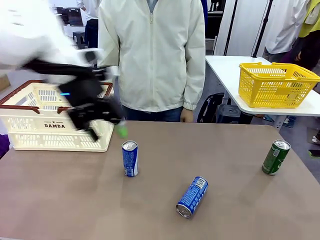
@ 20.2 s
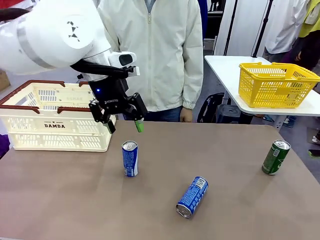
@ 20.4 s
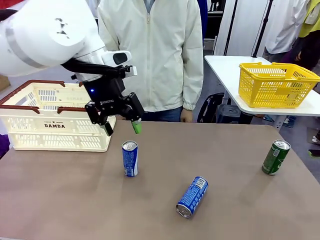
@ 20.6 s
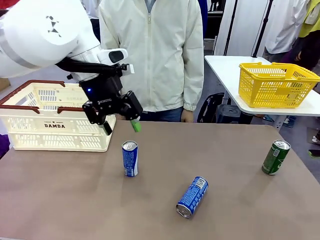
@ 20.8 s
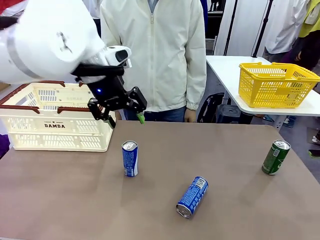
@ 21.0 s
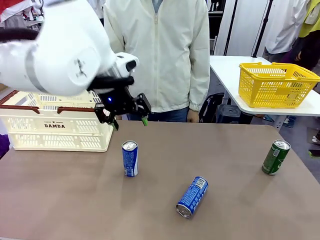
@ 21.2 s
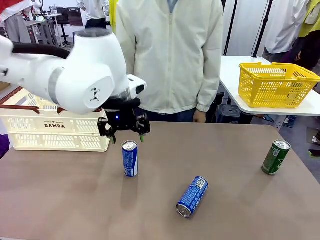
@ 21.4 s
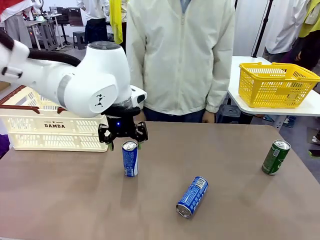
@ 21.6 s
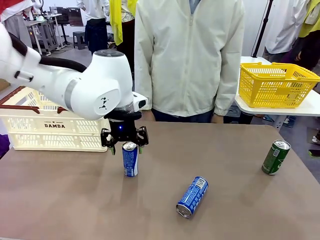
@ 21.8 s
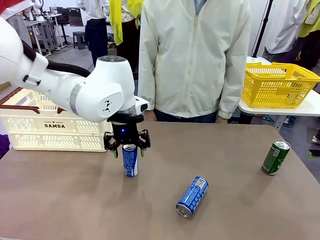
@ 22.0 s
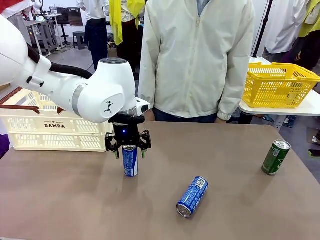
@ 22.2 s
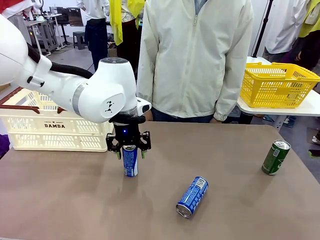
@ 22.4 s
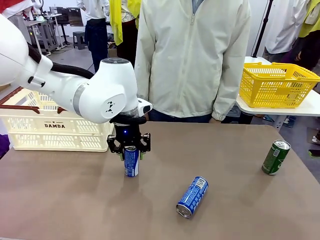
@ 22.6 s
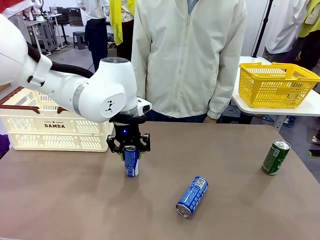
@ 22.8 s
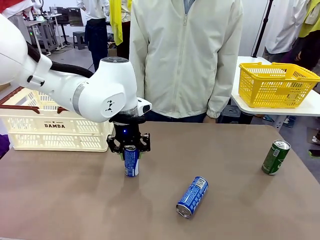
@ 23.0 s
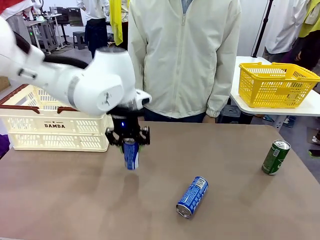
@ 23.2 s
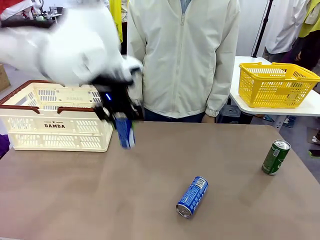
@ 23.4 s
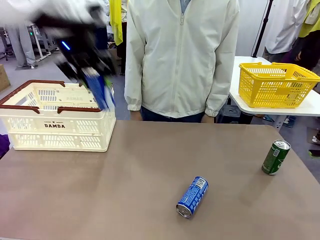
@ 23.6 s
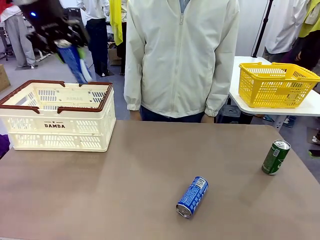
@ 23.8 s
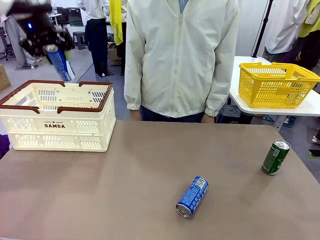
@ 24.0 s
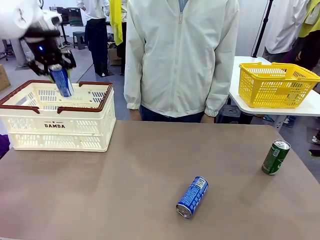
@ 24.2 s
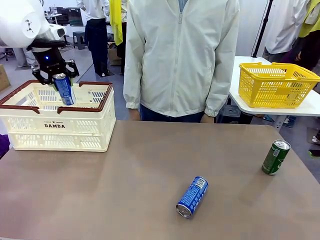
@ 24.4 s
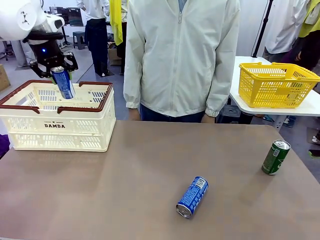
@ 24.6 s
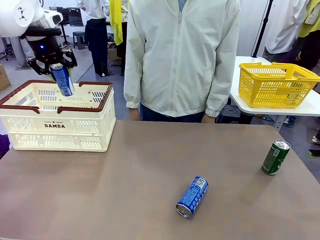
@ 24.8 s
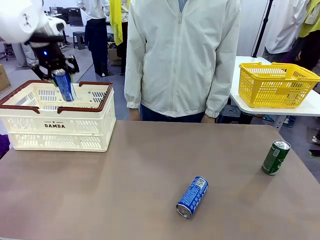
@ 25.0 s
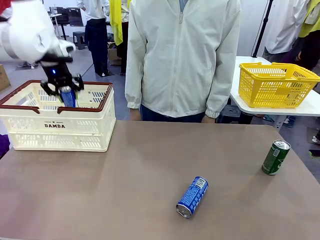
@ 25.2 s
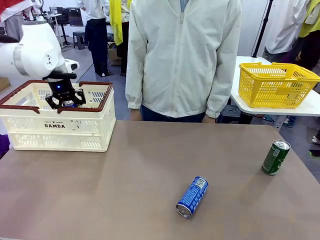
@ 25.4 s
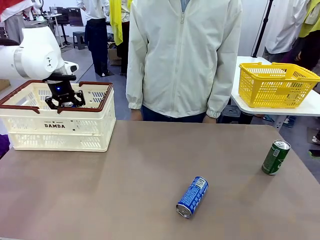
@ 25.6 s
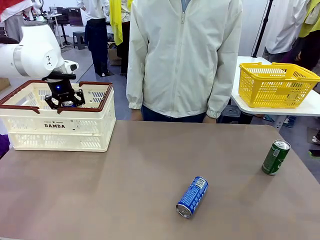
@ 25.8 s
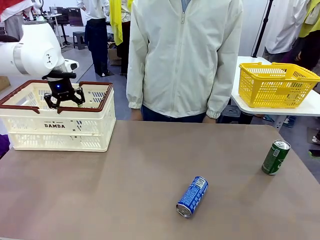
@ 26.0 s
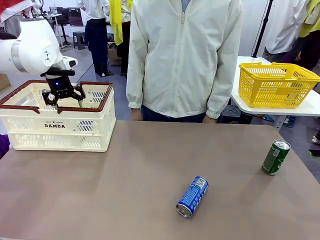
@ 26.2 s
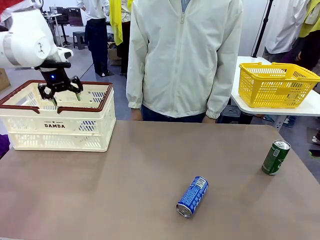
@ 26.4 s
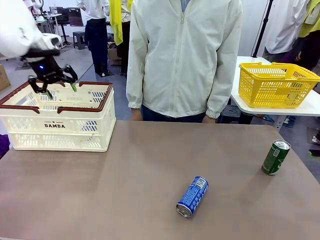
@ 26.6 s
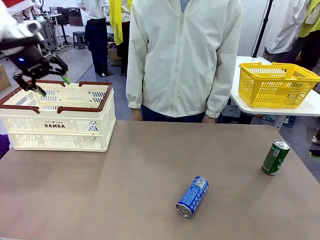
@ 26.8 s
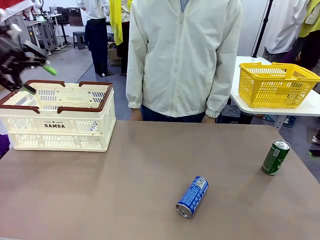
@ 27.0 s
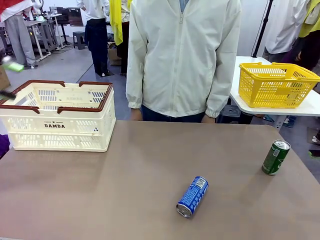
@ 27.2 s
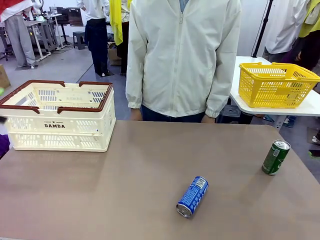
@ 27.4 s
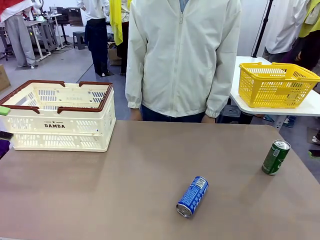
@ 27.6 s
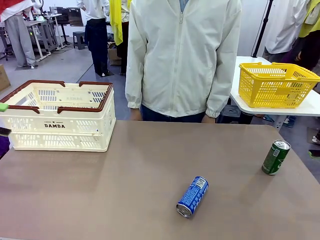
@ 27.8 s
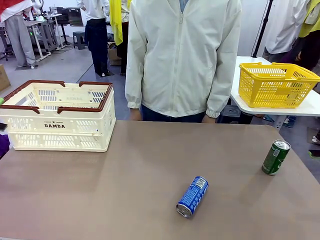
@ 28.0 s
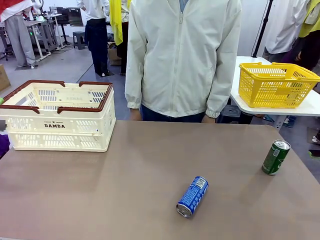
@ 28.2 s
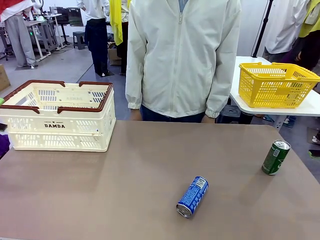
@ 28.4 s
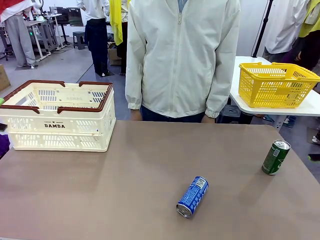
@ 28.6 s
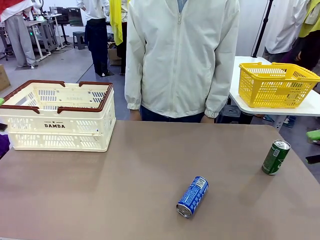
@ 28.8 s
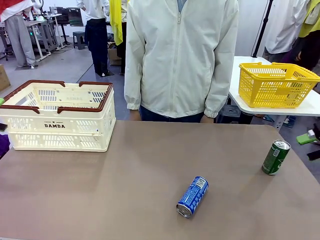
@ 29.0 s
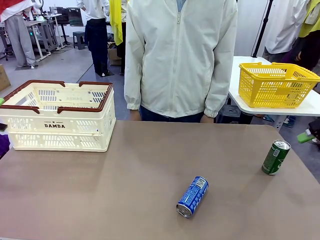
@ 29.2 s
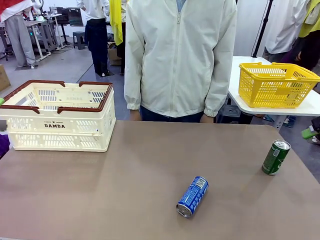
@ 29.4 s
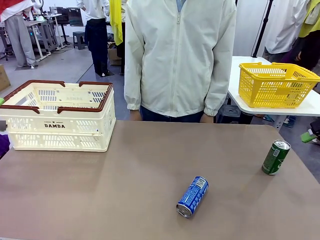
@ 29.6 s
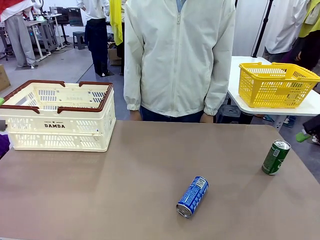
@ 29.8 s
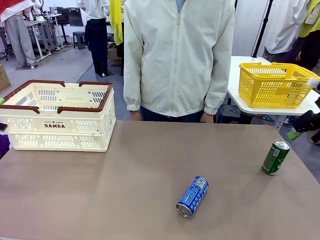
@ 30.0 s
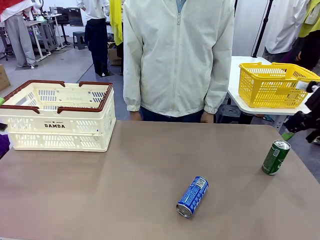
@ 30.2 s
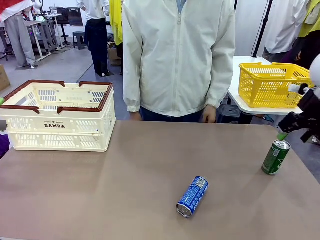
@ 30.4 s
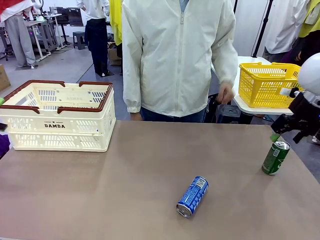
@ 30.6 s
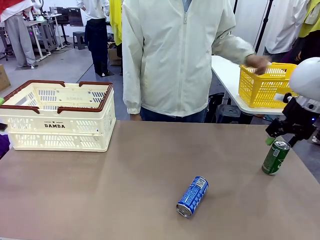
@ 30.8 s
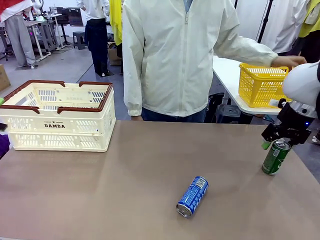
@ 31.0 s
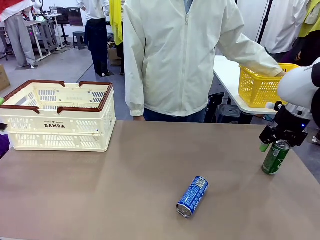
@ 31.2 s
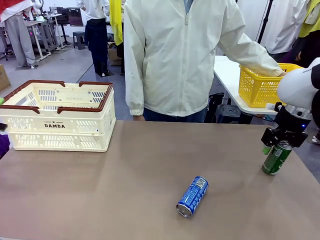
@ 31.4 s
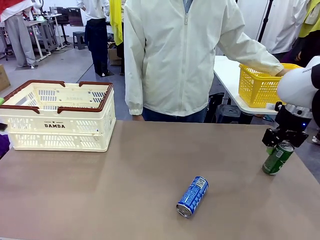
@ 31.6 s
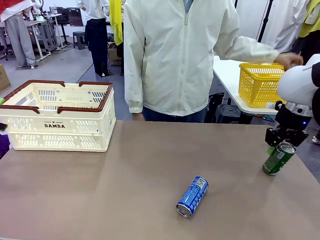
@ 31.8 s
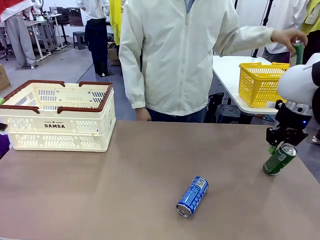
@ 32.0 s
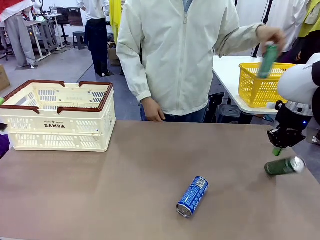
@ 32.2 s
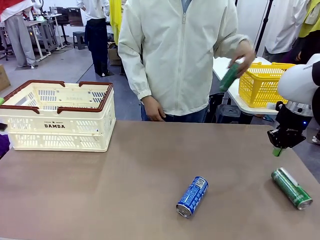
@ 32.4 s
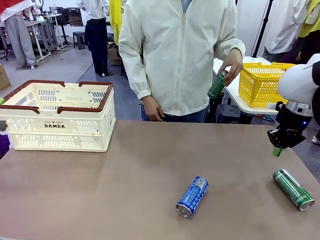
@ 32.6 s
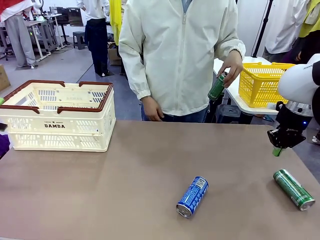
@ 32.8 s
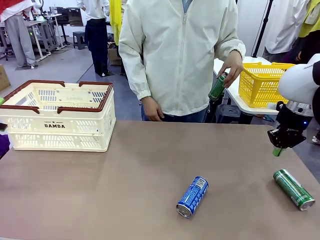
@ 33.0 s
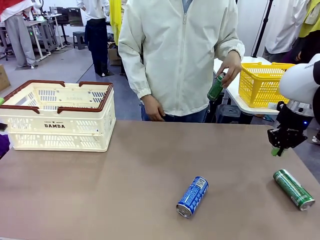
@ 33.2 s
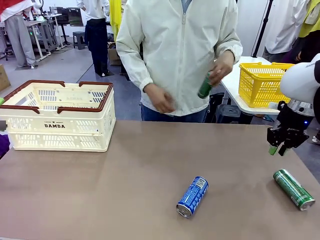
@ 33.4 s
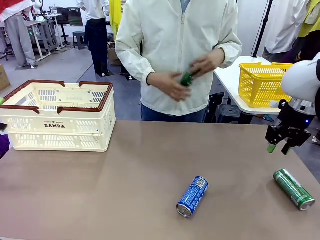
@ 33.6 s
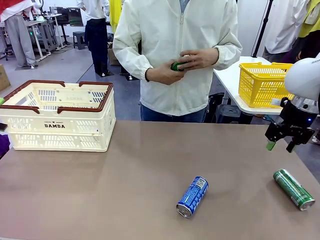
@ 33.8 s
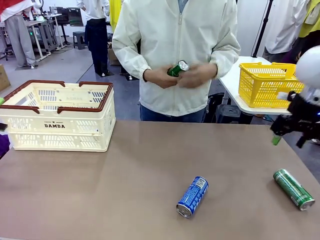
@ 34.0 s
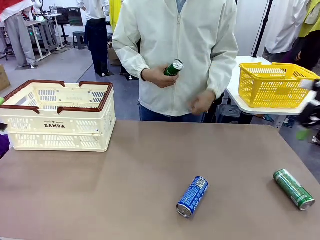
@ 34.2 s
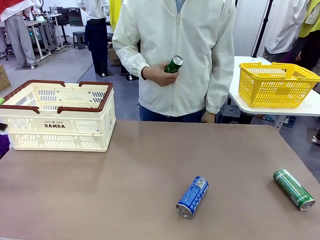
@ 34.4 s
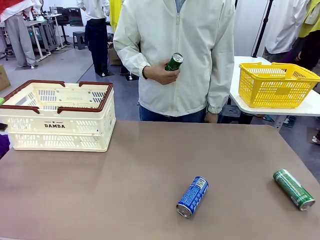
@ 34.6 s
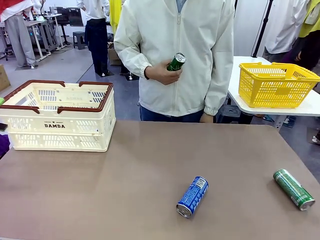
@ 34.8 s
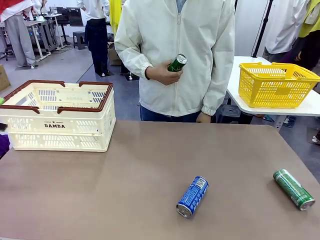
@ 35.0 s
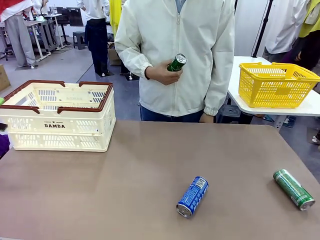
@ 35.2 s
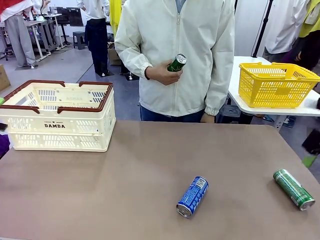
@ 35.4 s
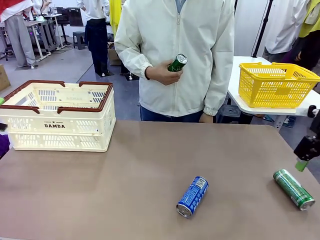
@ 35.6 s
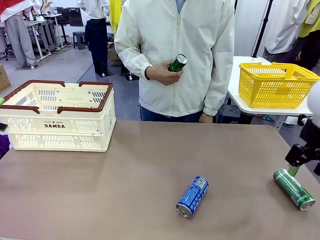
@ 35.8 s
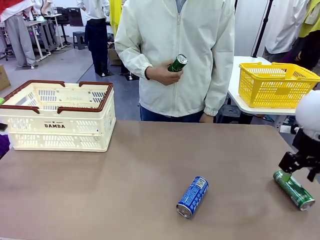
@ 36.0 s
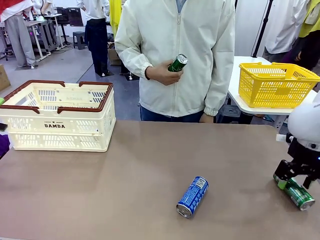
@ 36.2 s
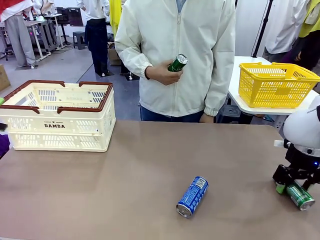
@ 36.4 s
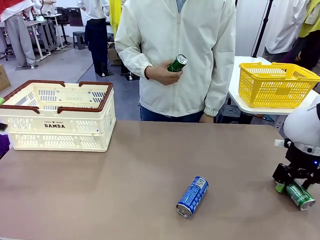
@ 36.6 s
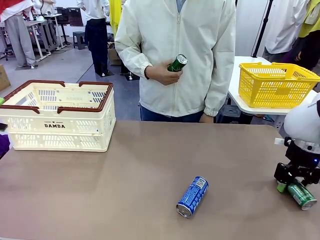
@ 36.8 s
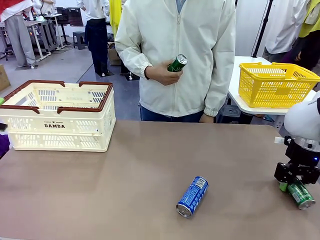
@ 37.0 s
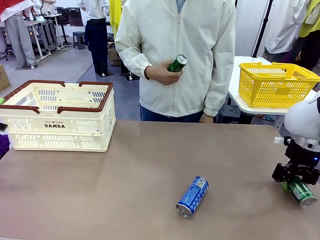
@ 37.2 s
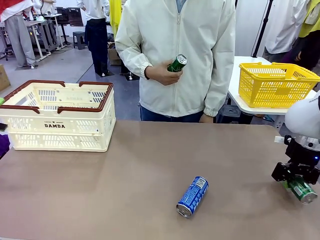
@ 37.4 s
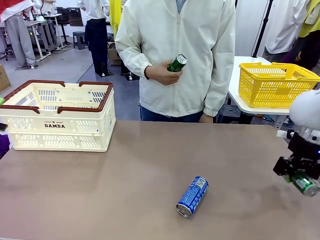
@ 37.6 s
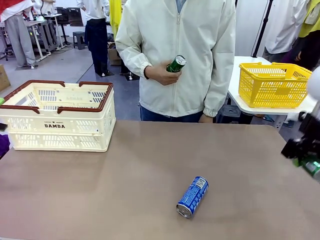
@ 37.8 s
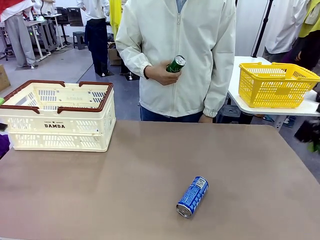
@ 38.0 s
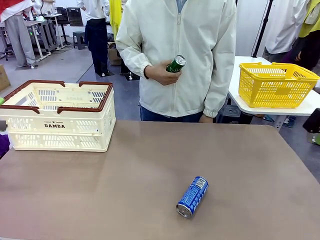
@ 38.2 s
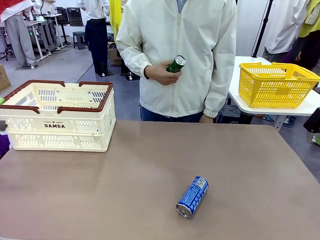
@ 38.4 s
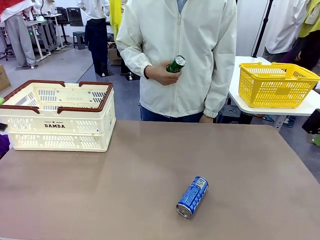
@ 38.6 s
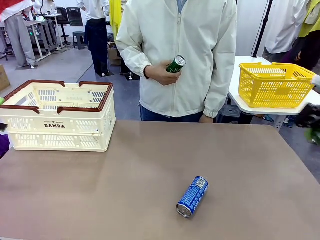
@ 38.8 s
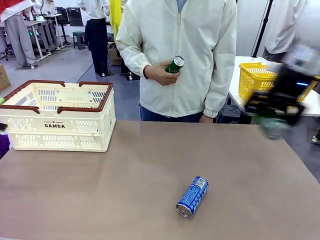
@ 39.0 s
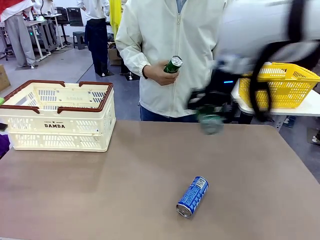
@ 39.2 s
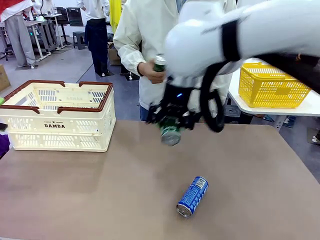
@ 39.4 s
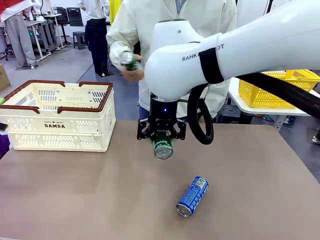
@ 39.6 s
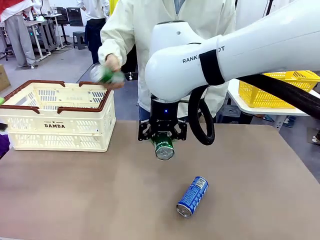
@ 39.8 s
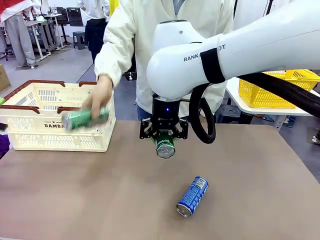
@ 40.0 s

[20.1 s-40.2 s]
Task: Place the drinks into the Shopping basket.
Robot: Pick up one drink and place it into the Shopping basket.
